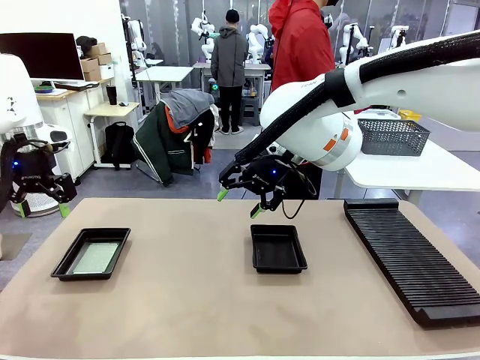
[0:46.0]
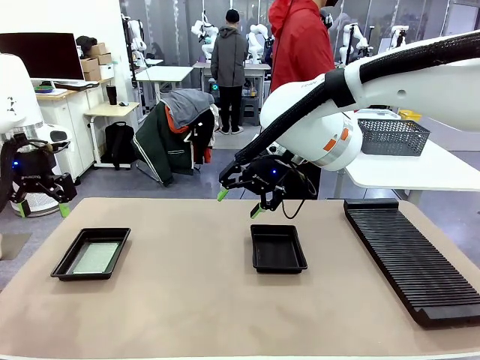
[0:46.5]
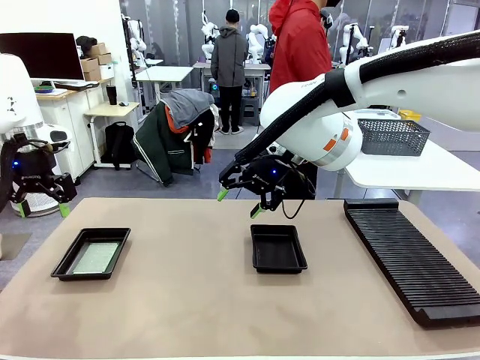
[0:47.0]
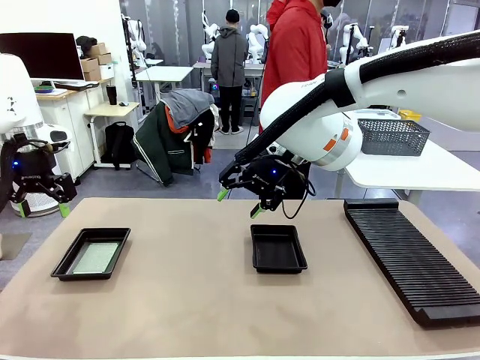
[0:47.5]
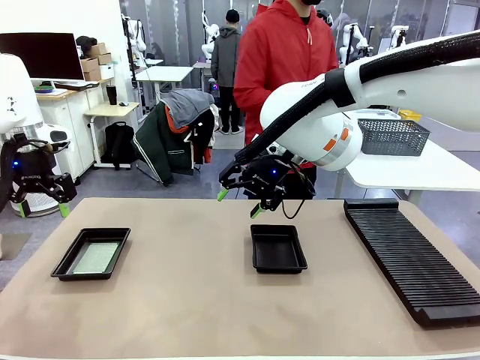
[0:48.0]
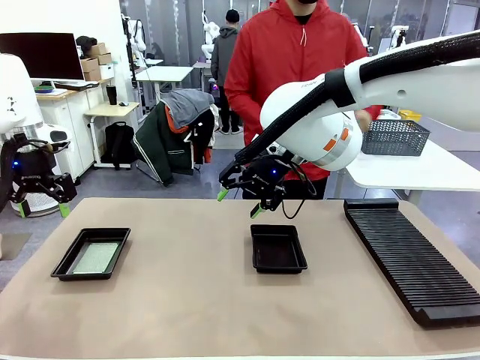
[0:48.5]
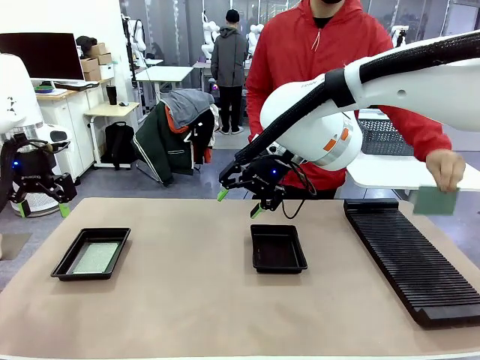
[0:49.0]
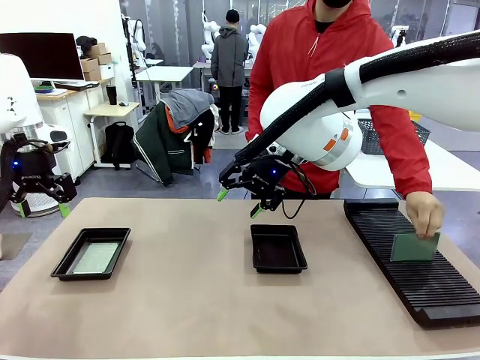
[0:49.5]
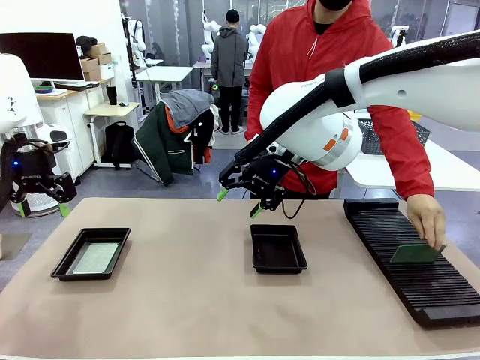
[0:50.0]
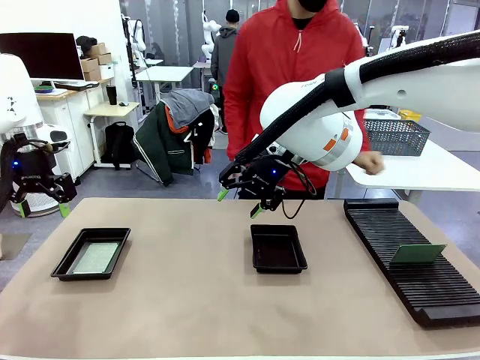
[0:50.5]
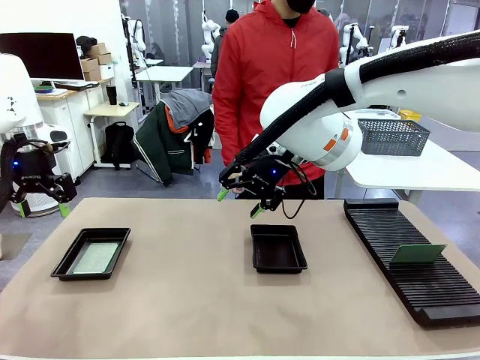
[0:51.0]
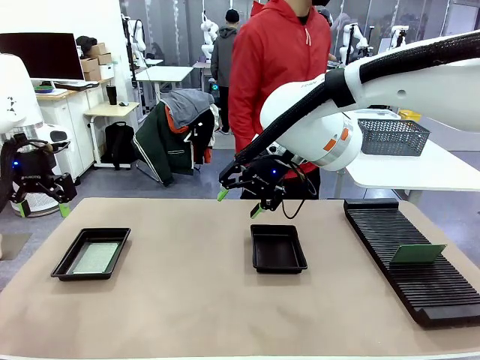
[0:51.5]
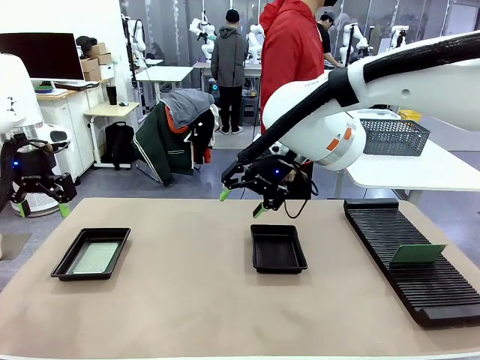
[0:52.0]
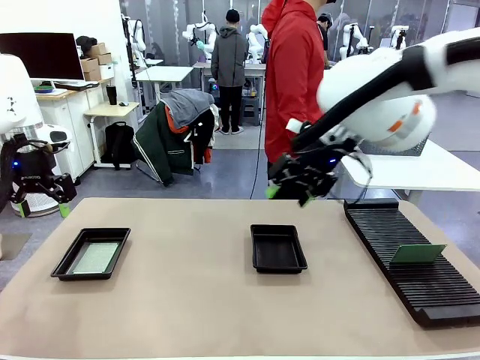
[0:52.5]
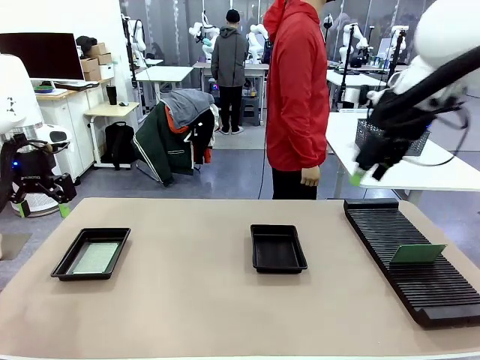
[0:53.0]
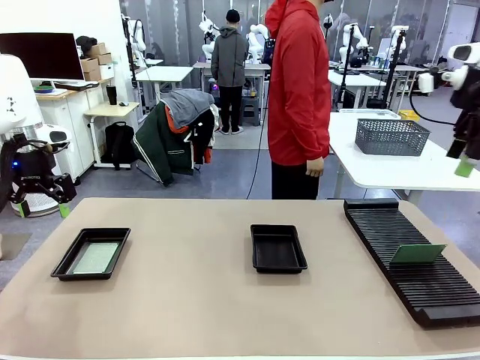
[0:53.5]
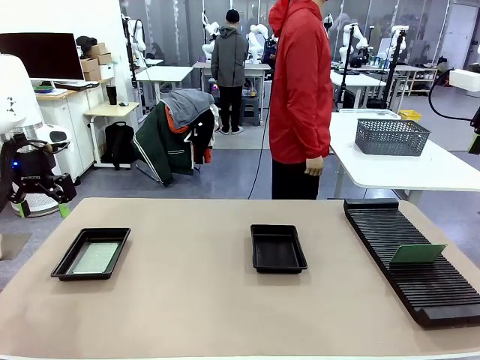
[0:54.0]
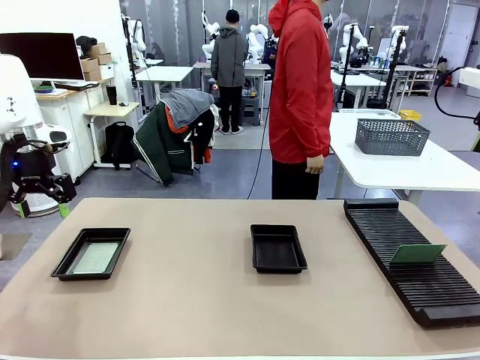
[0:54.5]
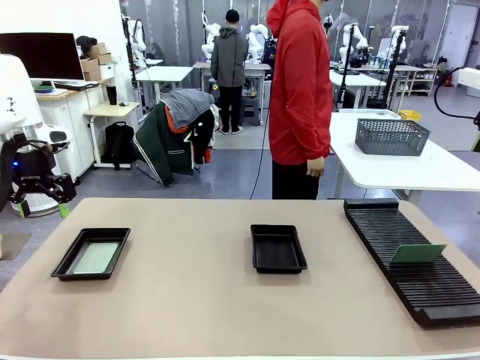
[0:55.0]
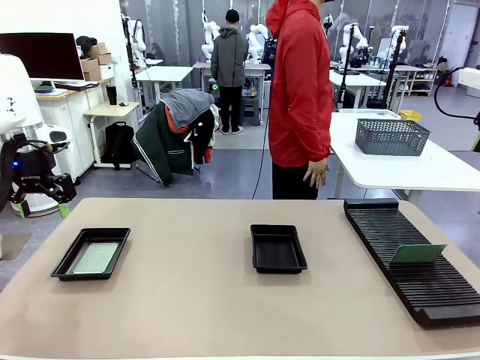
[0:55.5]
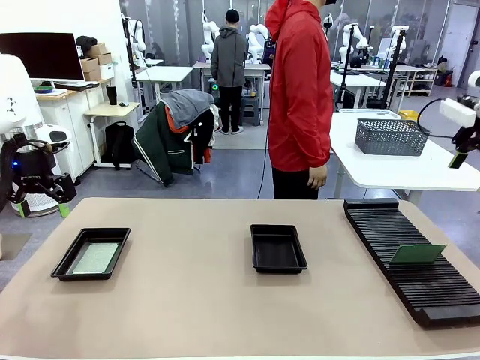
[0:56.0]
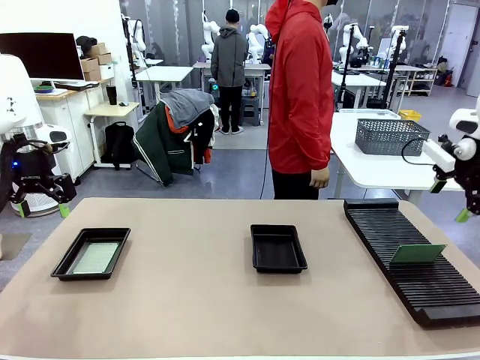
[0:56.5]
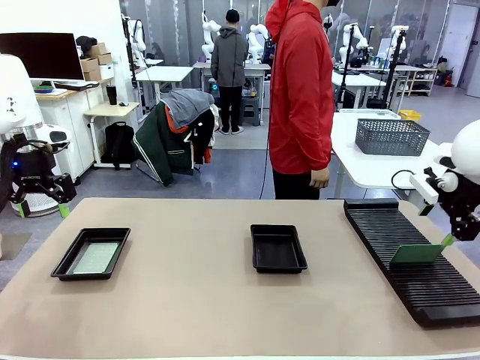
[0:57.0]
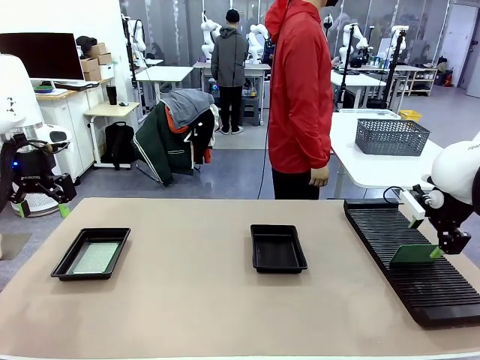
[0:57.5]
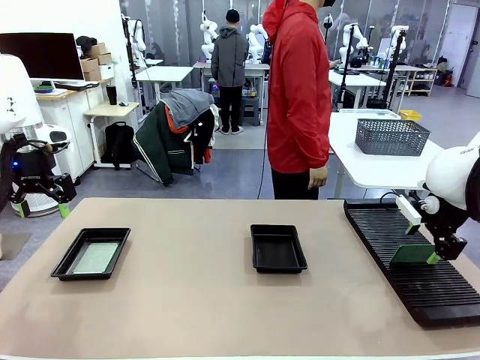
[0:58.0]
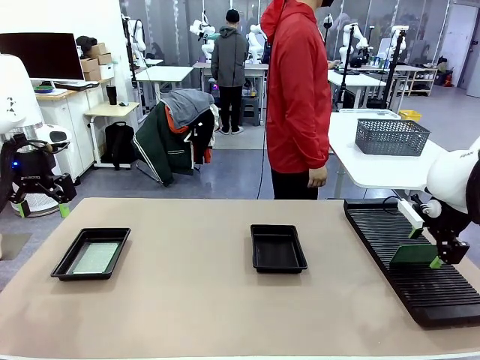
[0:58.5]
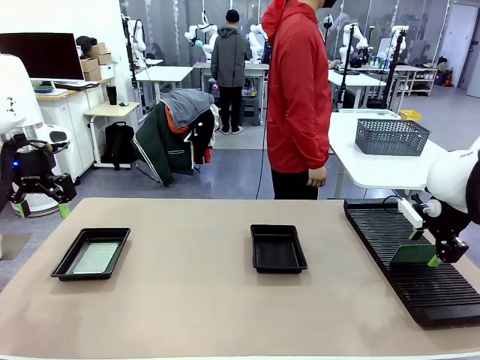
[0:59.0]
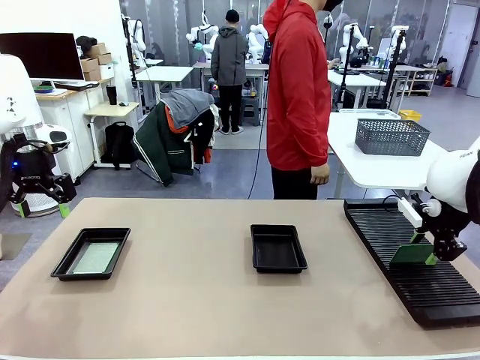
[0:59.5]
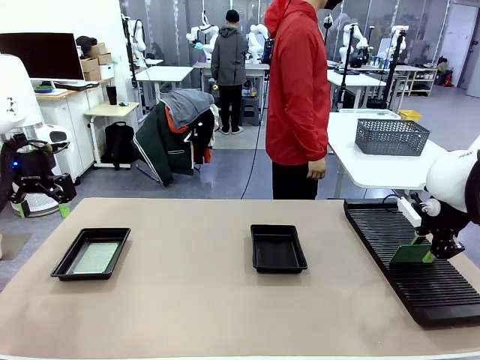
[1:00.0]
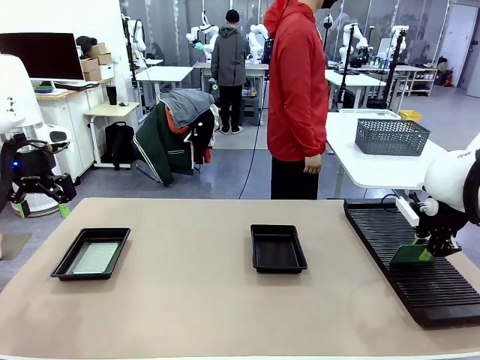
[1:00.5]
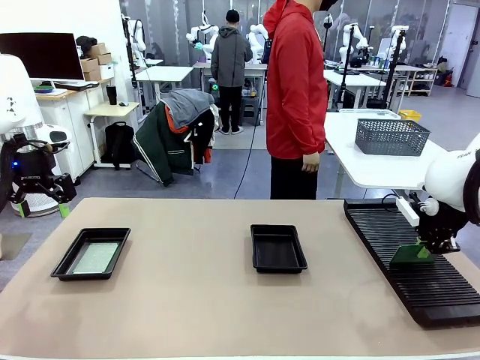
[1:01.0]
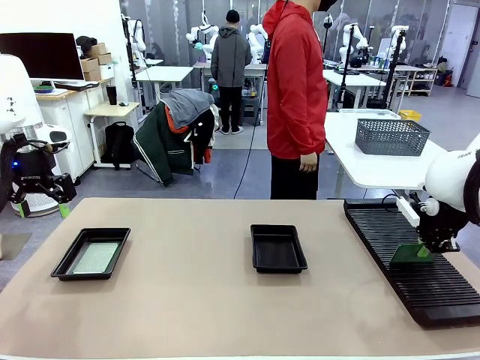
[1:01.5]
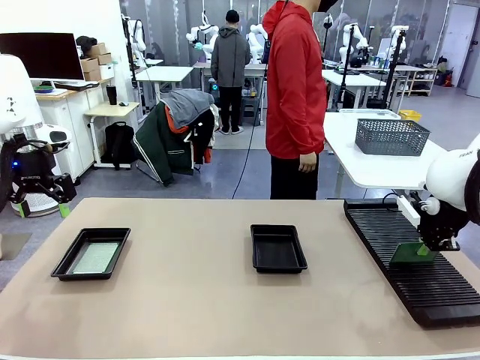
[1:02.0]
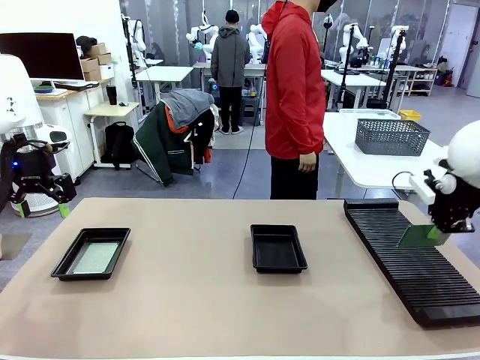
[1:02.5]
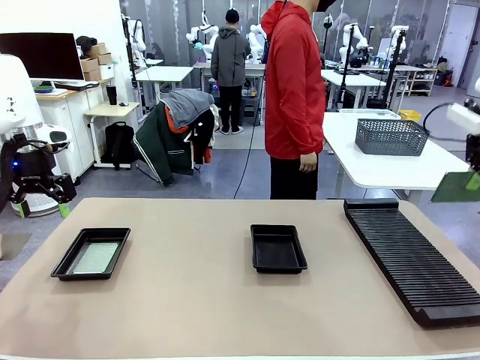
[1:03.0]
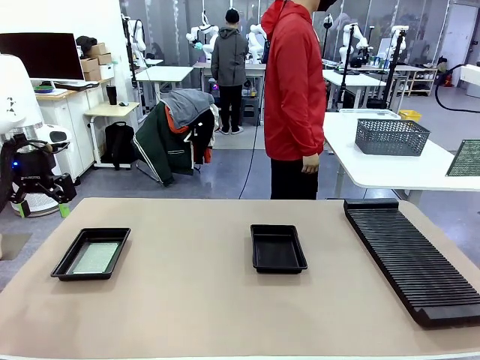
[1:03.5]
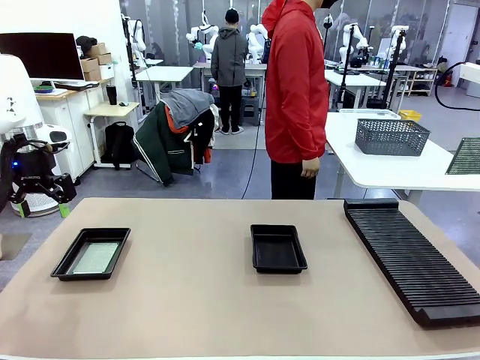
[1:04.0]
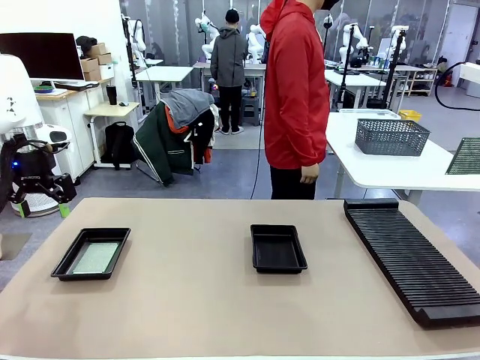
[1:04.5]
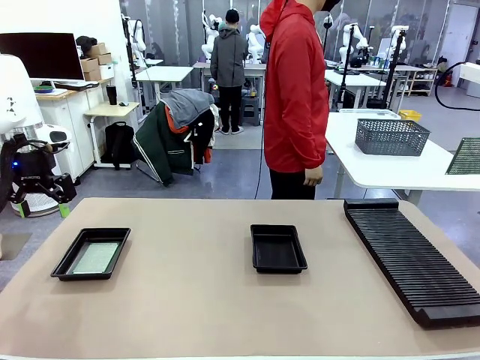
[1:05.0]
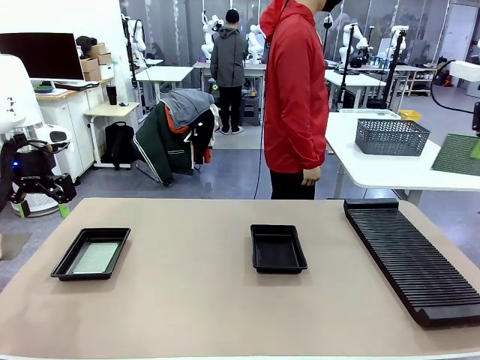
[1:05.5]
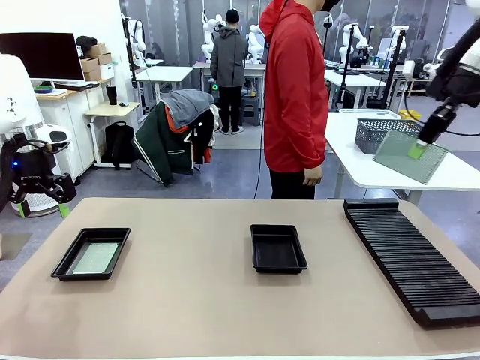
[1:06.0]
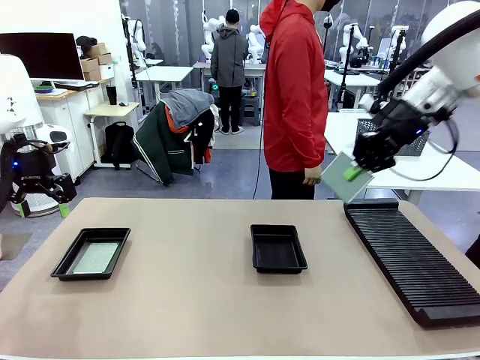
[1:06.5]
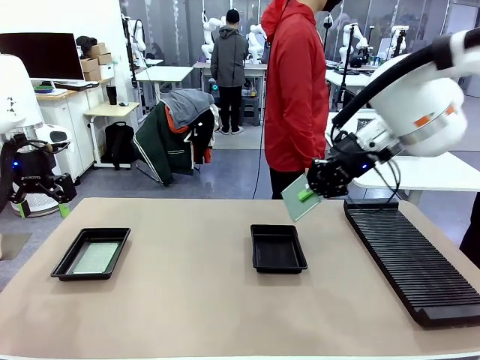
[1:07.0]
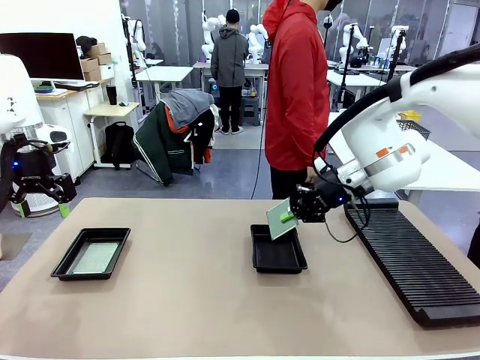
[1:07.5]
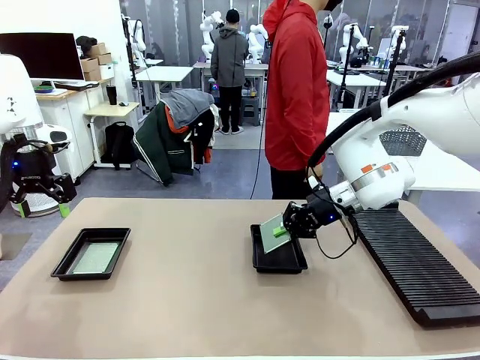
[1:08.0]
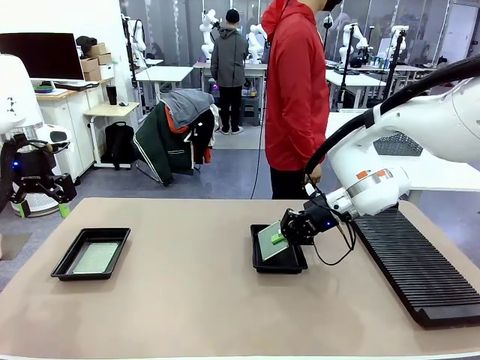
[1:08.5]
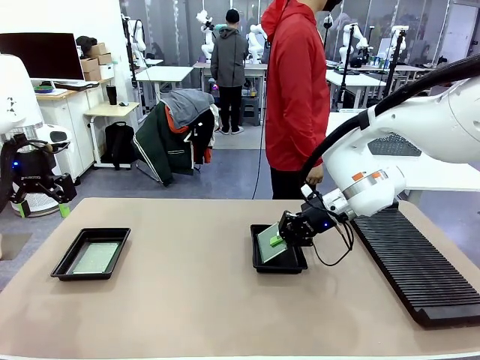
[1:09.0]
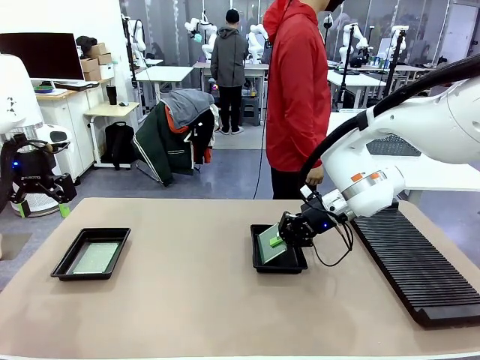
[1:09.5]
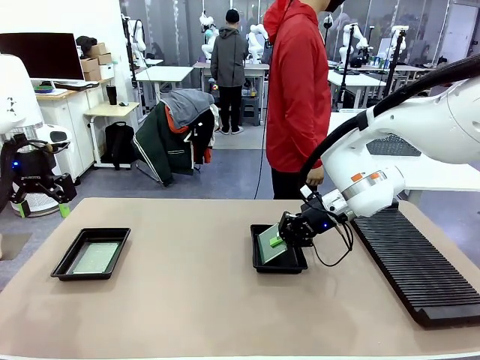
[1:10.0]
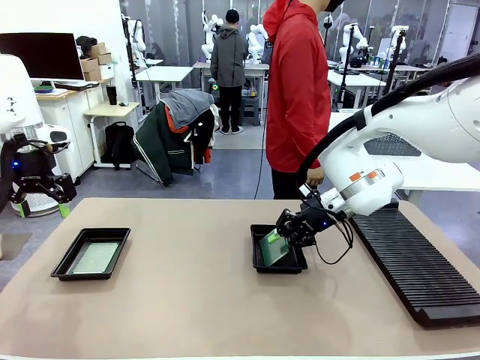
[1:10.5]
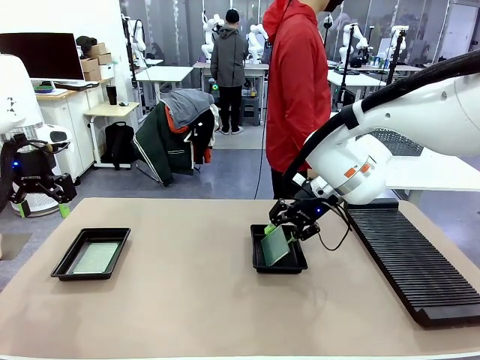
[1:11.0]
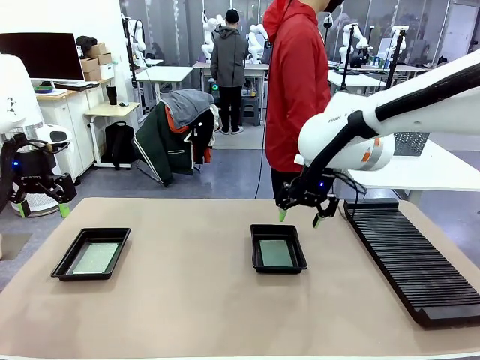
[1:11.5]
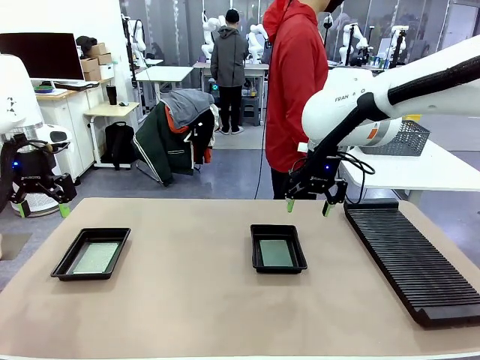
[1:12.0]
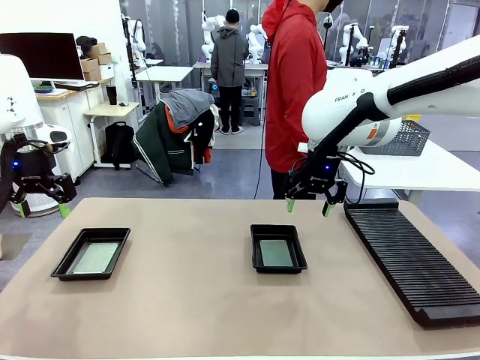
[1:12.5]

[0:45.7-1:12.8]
Task: Inspect and transfer BCBs to ESD trays.
Robot: Pick up the Blank PCB from the PCB Rack and place it in the right ESD tray.
